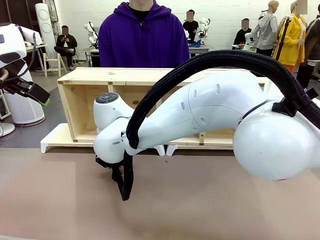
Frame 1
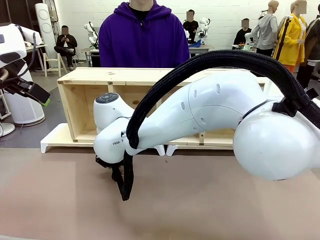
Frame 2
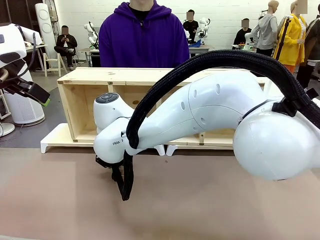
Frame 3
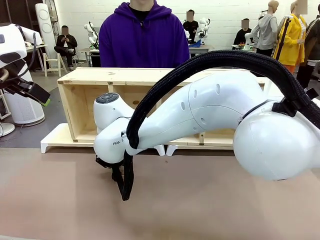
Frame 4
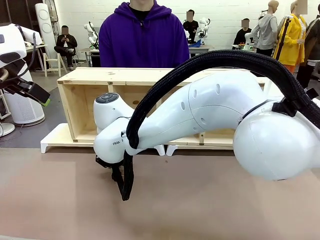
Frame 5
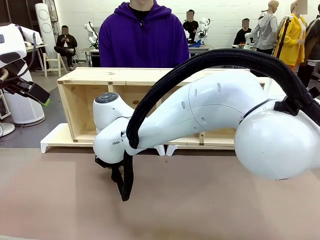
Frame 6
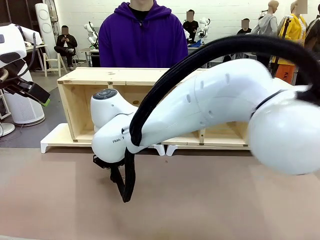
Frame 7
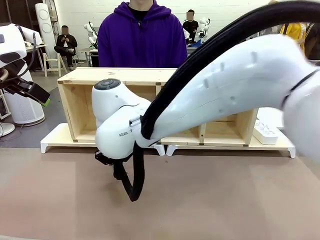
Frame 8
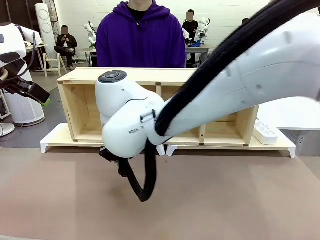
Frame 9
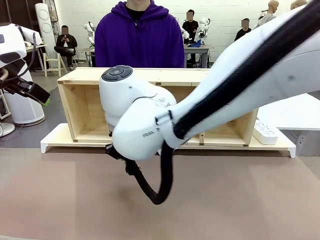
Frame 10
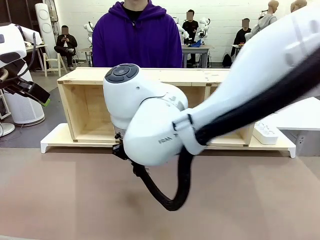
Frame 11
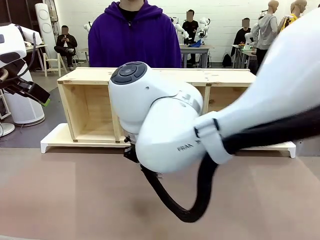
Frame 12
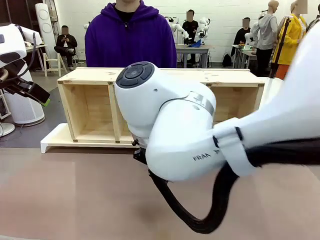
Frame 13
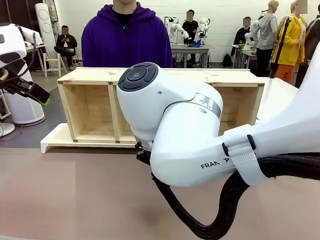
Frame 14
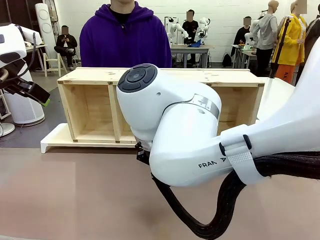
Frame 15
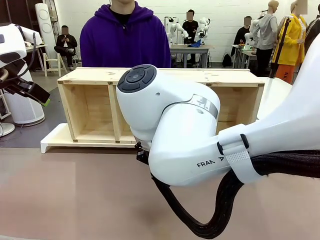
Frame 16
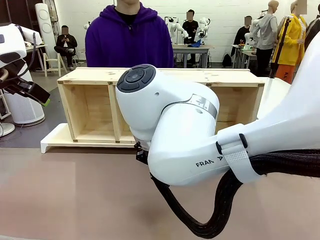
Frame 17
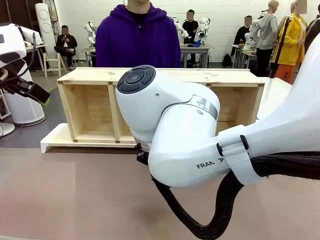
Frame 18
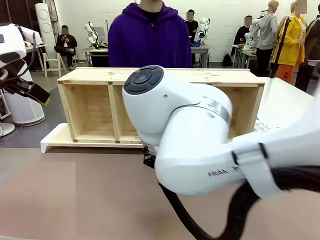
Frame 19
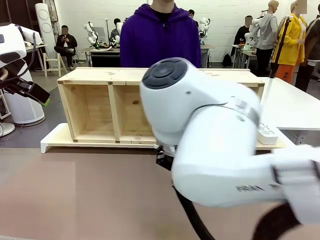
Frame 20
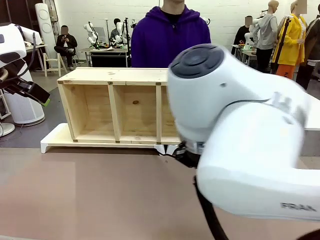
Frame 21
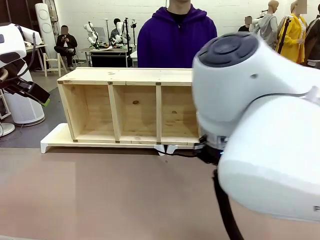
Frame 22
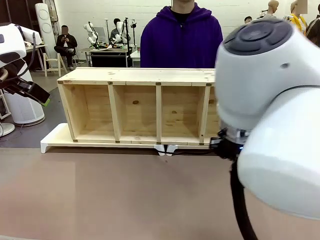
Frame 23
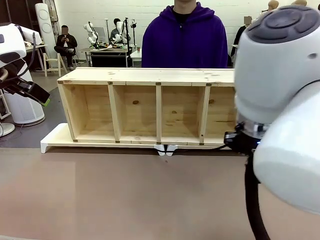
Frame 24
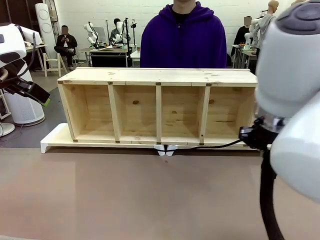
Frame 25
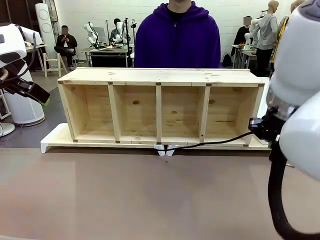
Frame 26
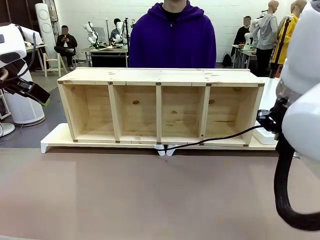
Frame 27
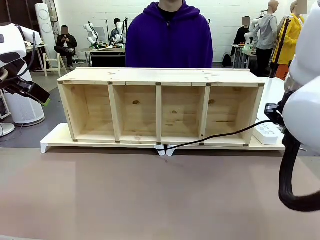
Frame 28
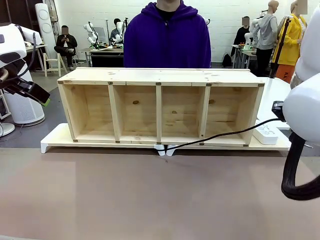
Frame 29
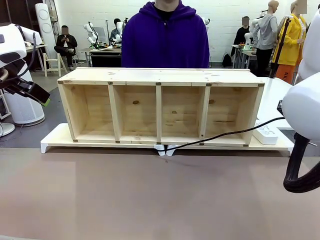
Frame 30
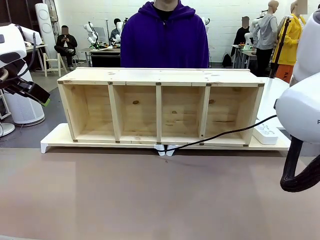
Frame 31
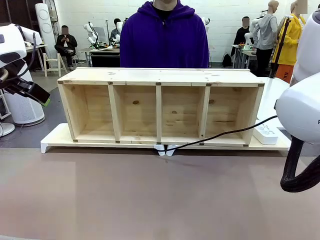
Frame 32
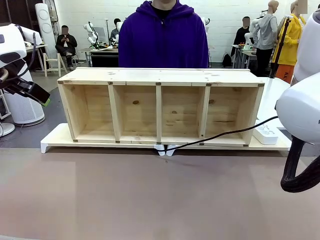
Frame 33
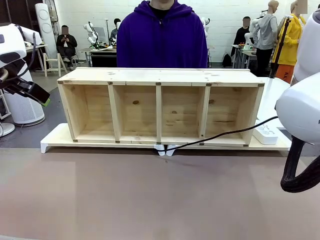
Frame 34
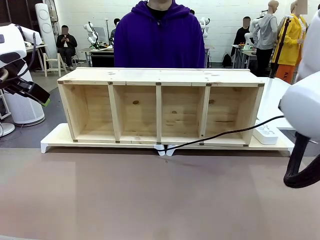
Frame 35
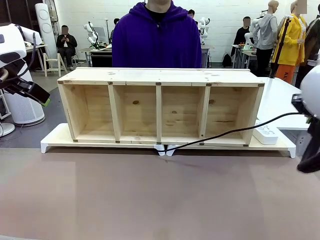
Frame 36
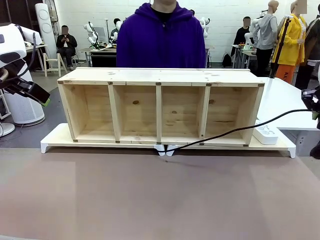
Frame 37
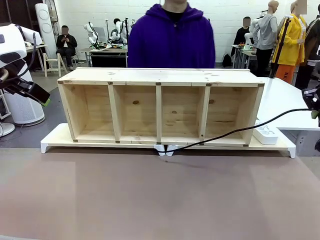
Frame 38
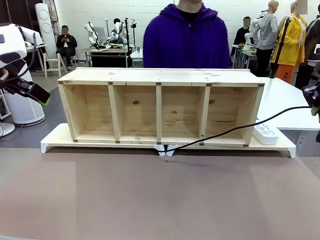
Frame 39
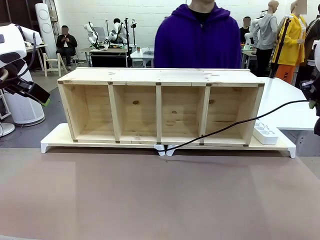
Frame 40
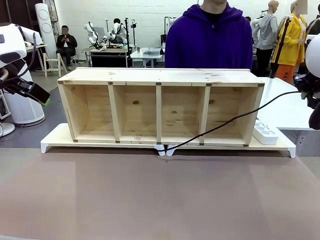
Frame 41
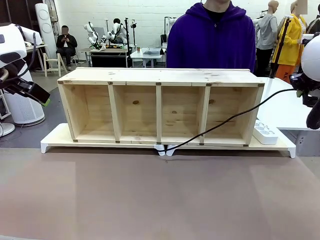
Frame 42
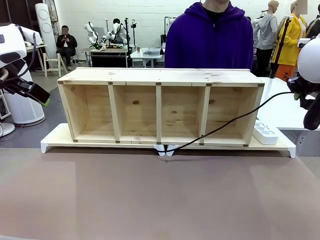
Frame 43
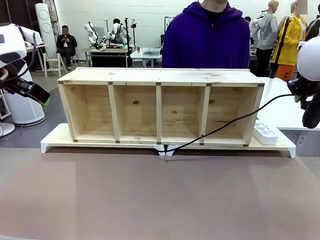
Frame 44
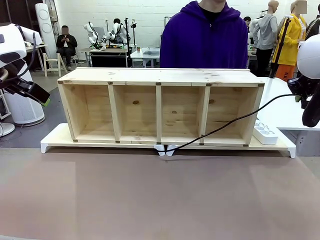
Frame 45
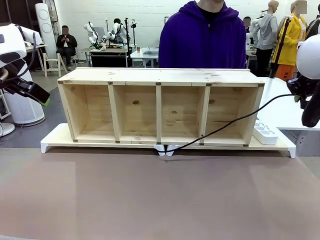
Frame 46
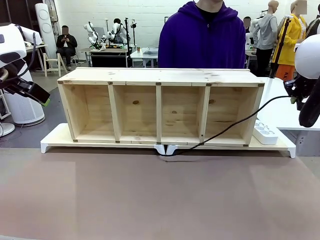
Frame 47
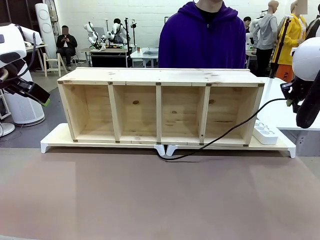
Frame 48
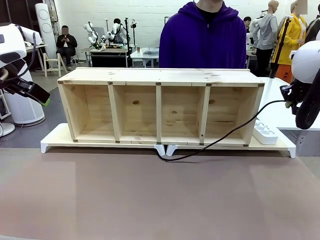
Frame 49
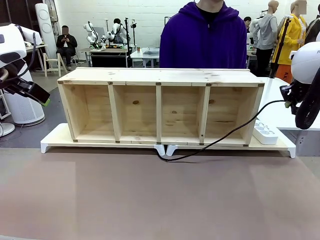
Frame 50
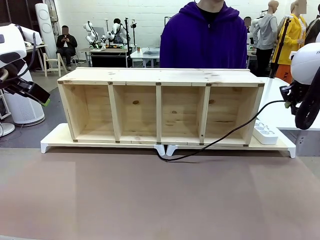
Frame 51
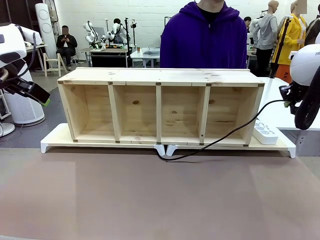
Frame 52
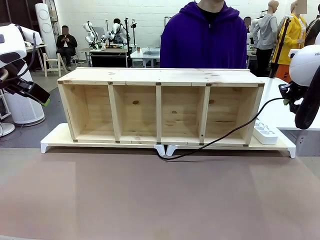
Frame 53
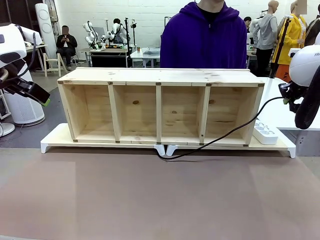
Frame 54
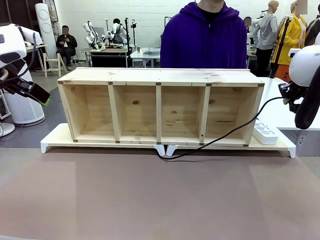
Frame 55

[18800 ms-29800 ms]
Task: Perform cable management.
Robot: Pull the grasped Power Cable to the location of the Power Strip.

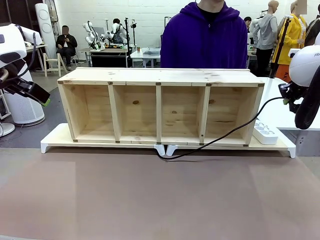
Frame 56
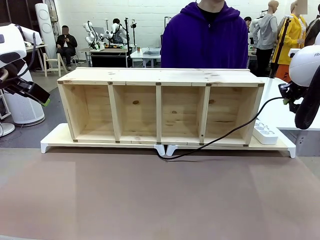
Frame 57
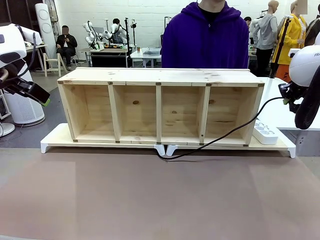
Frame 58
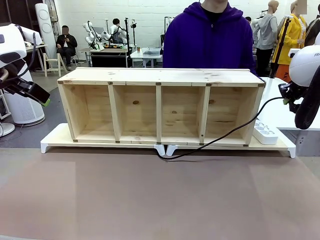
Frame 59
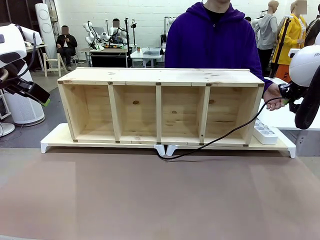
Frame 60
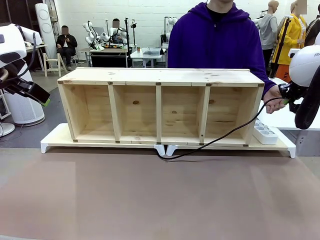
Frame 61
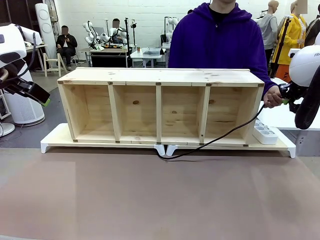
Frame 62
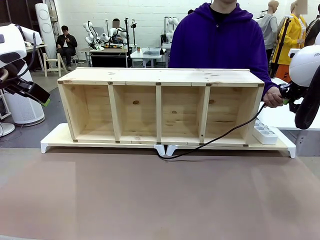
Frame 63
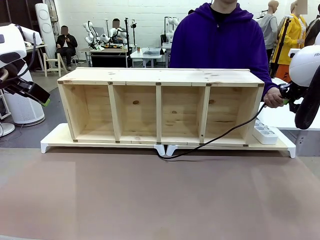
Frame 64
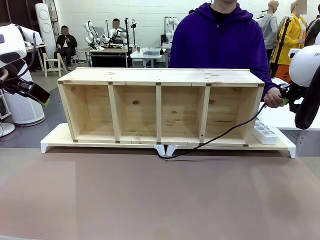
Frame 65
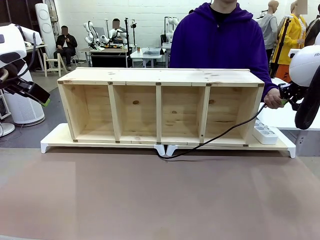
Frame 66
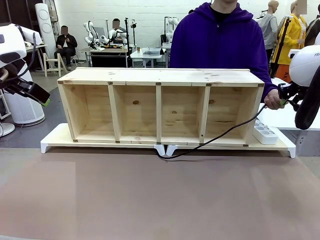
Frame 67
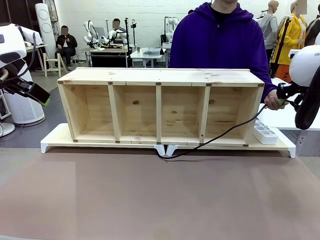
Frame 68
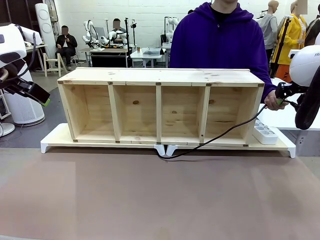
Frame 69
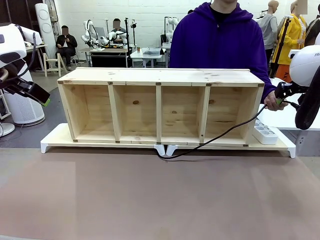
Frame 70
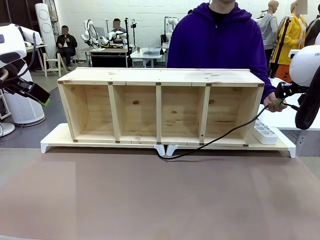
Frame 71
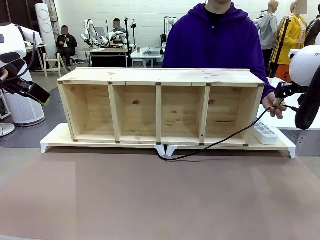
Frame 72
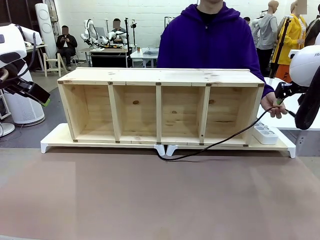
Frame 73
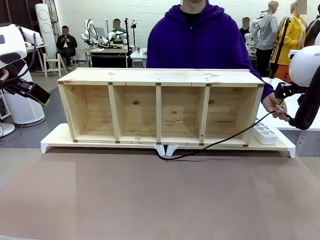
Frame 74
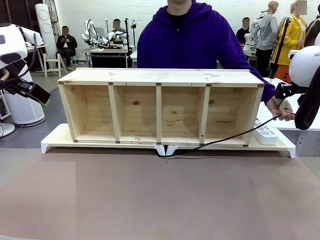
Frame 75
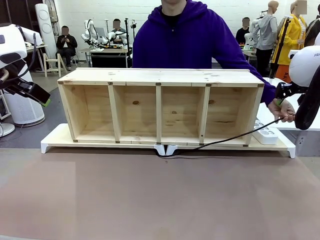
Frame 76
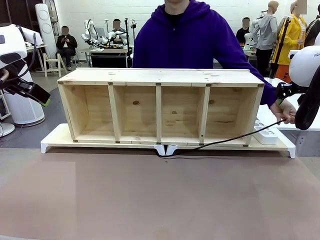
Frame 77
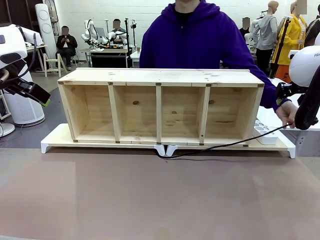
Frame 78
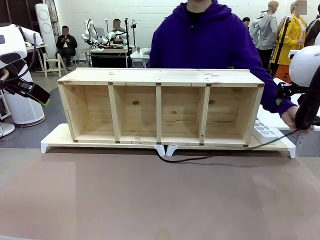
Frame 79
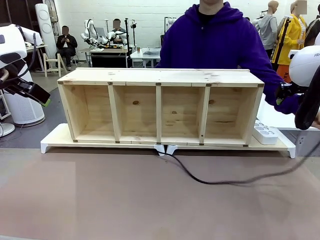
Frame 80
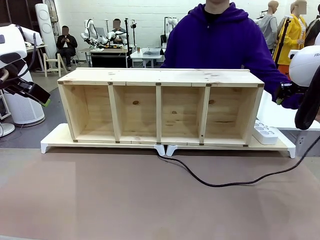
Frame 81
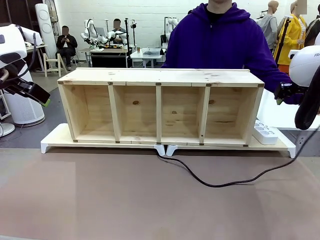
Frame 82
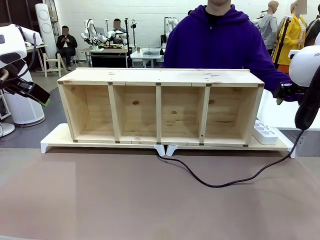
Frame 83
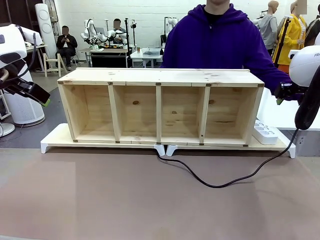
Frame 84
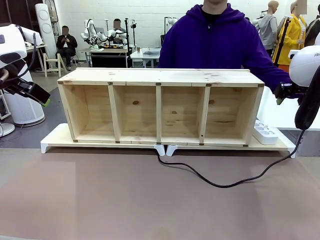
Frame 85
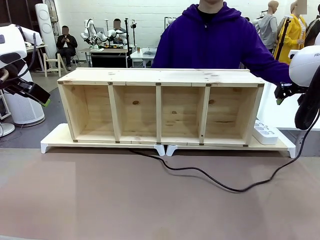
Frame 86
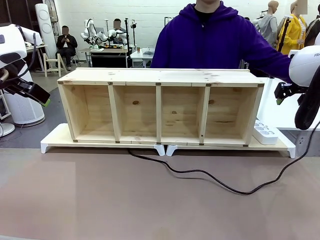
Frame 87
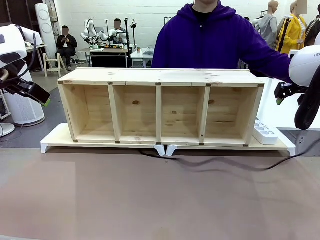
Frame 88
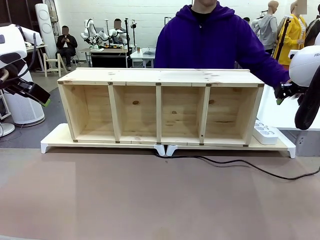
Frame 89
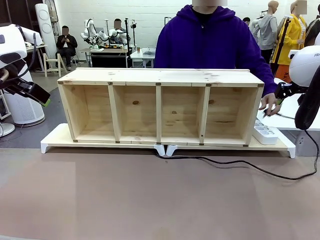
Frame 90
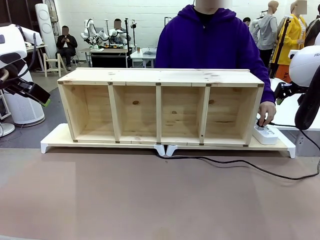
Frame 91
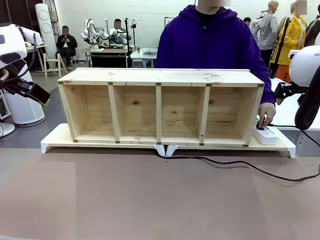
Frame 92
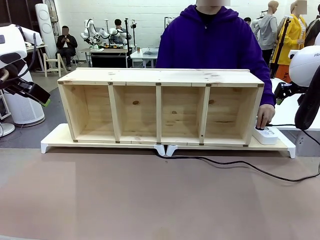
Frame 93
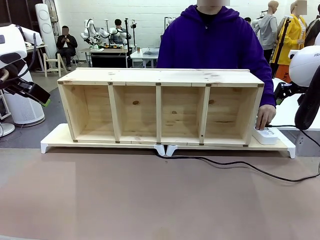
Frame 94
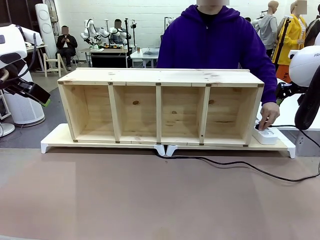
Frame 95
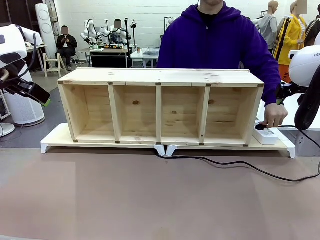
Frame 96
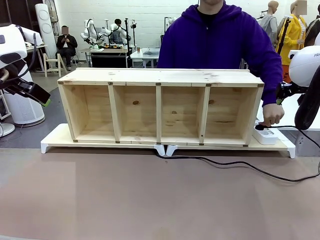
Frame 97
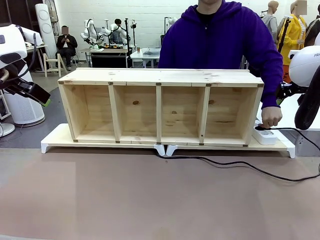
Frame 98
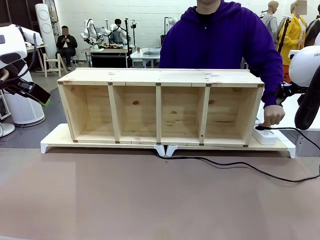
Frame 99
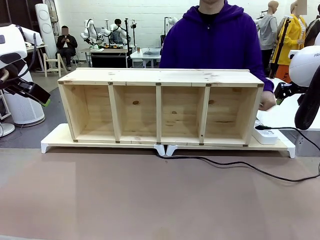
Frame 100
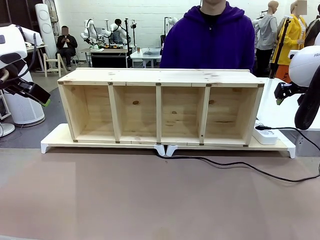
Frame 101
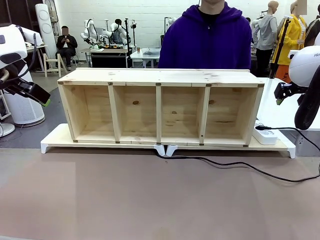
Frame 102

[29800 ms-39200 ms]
Robot: Release the Power Cable when the human grasps it.
Person: Plug the Power Cable into the Power Strip.
